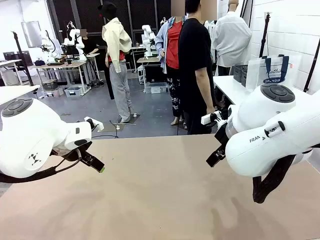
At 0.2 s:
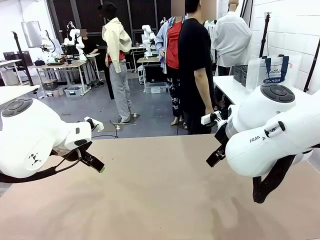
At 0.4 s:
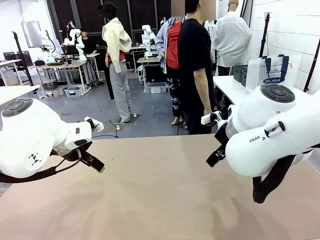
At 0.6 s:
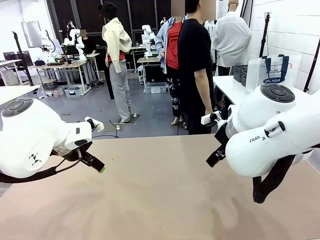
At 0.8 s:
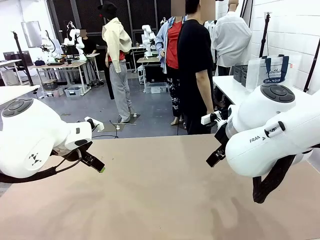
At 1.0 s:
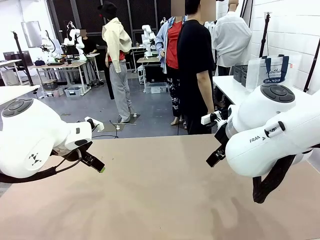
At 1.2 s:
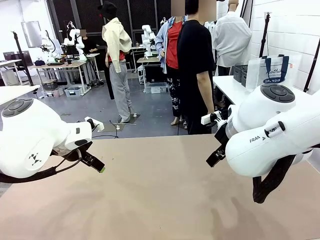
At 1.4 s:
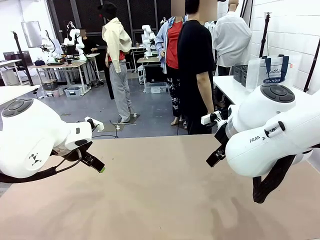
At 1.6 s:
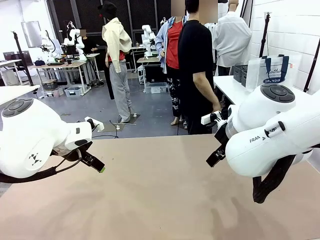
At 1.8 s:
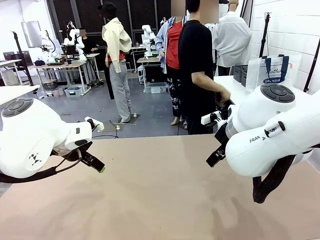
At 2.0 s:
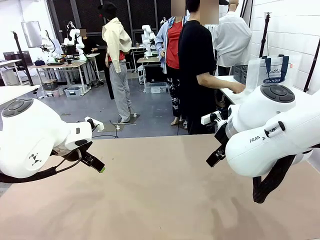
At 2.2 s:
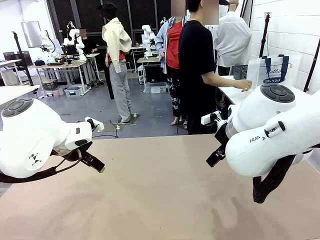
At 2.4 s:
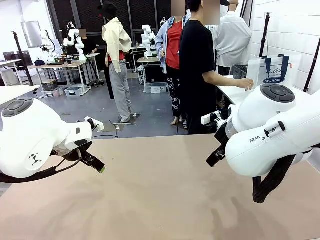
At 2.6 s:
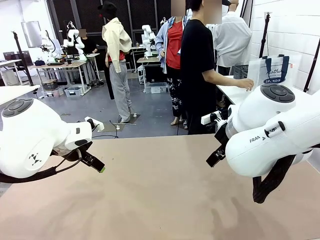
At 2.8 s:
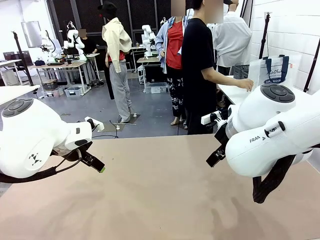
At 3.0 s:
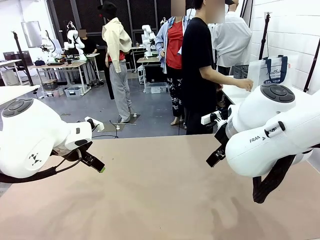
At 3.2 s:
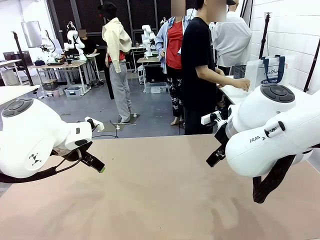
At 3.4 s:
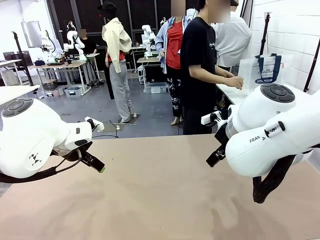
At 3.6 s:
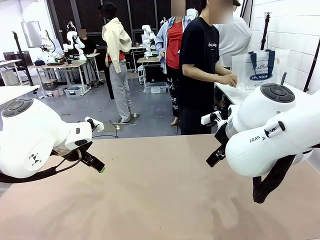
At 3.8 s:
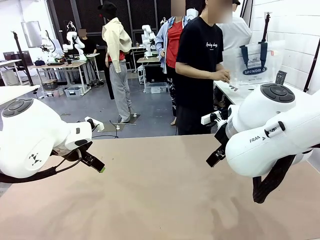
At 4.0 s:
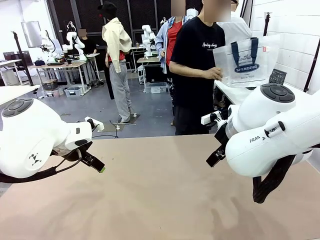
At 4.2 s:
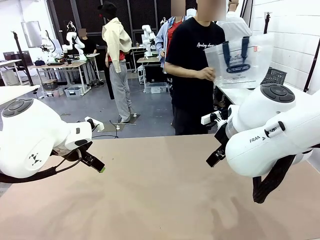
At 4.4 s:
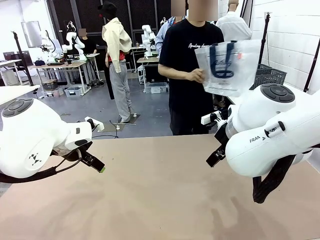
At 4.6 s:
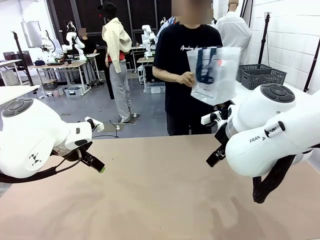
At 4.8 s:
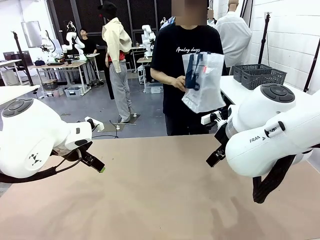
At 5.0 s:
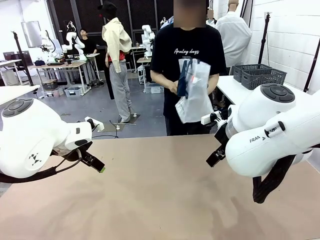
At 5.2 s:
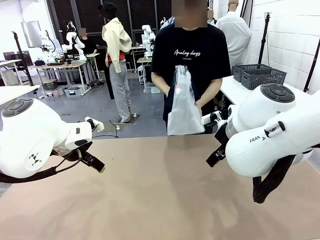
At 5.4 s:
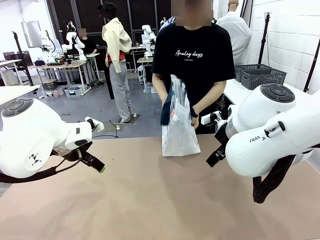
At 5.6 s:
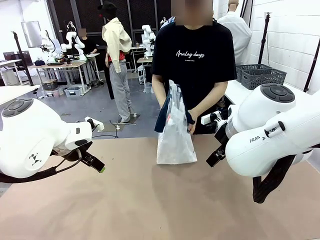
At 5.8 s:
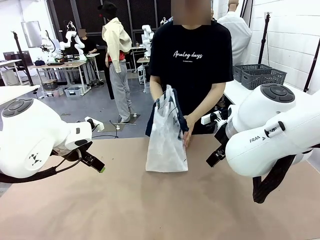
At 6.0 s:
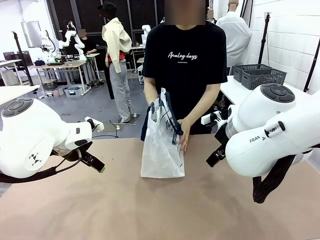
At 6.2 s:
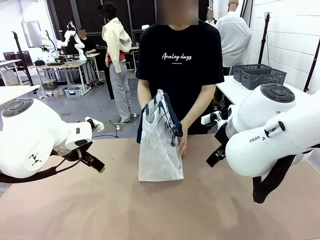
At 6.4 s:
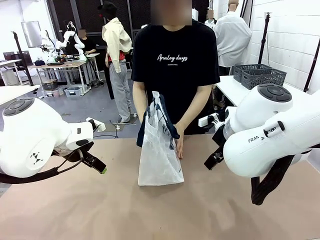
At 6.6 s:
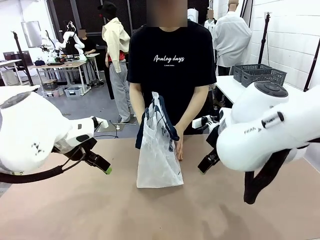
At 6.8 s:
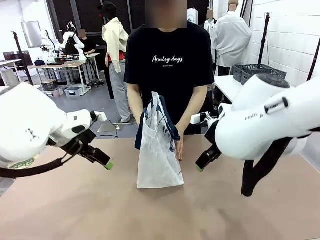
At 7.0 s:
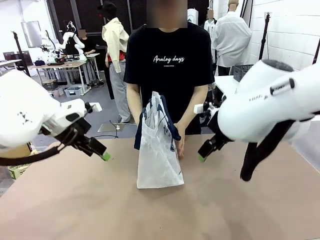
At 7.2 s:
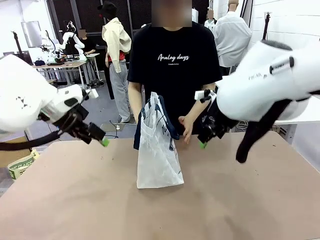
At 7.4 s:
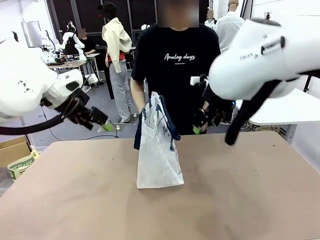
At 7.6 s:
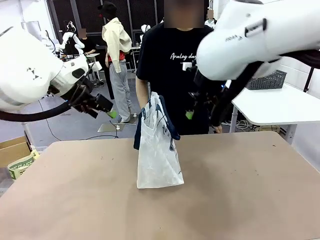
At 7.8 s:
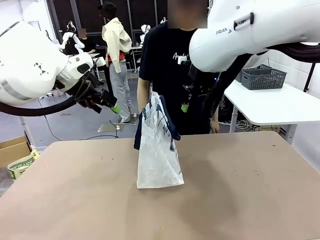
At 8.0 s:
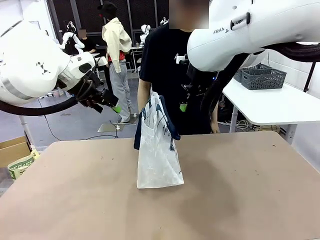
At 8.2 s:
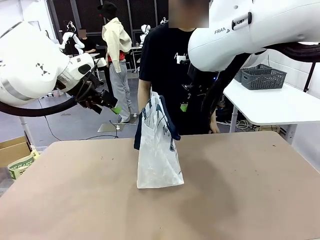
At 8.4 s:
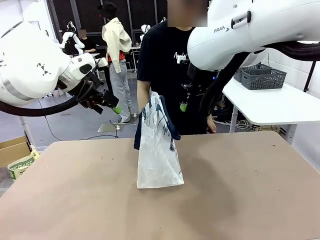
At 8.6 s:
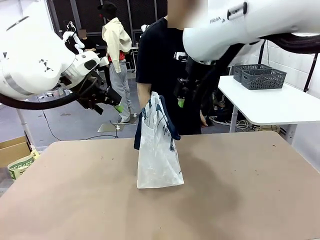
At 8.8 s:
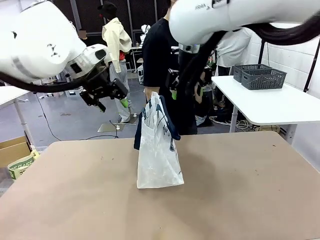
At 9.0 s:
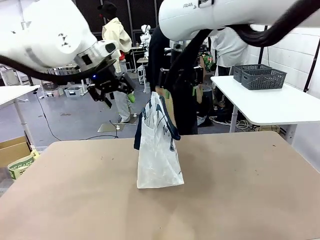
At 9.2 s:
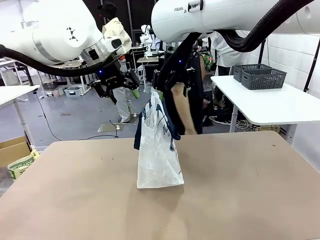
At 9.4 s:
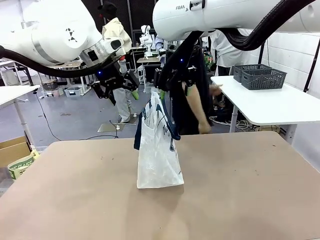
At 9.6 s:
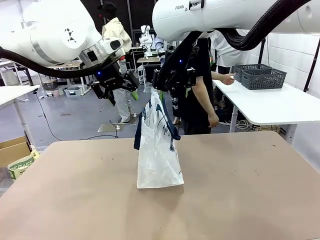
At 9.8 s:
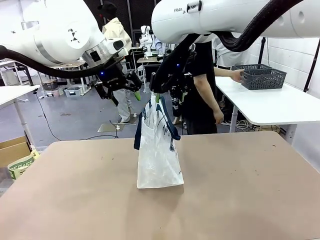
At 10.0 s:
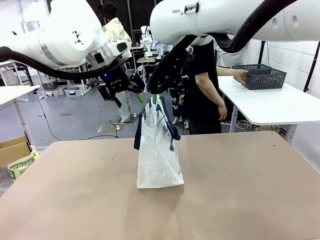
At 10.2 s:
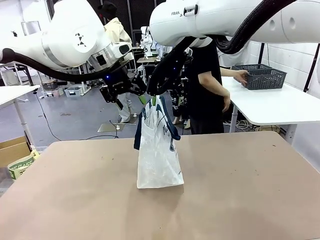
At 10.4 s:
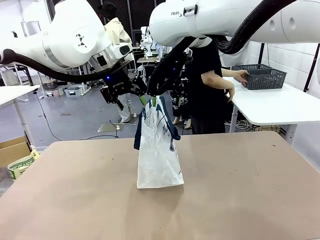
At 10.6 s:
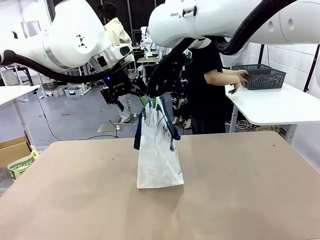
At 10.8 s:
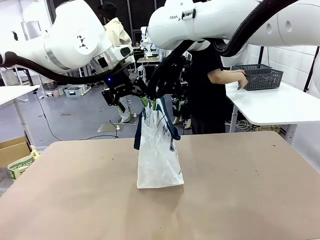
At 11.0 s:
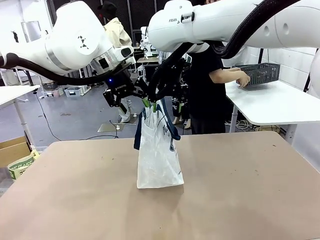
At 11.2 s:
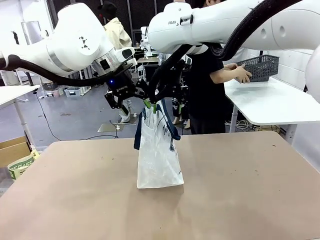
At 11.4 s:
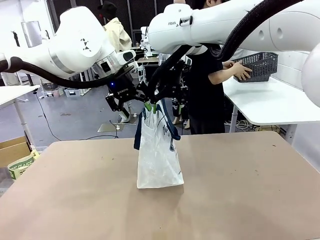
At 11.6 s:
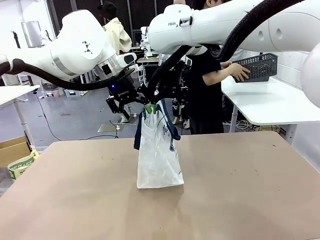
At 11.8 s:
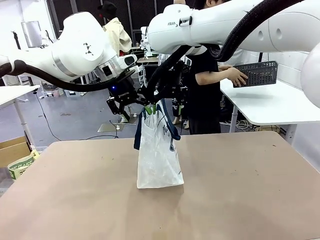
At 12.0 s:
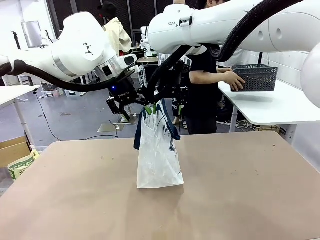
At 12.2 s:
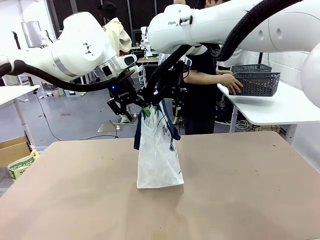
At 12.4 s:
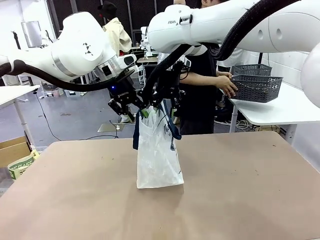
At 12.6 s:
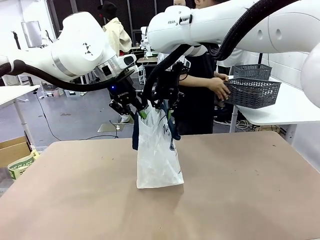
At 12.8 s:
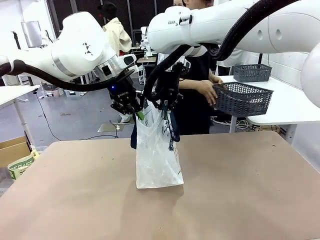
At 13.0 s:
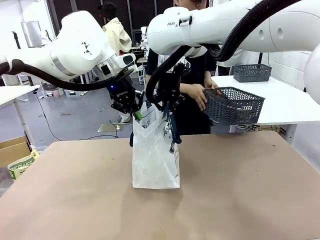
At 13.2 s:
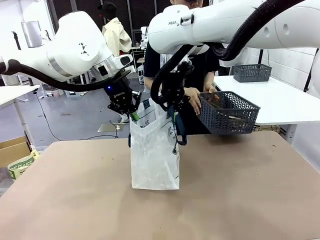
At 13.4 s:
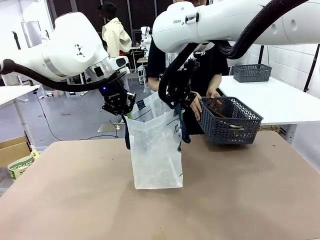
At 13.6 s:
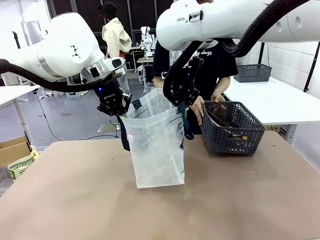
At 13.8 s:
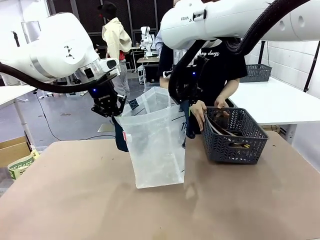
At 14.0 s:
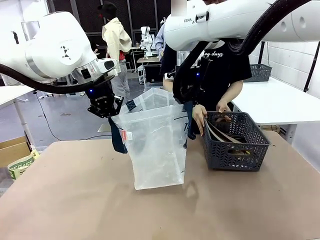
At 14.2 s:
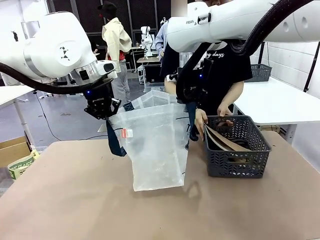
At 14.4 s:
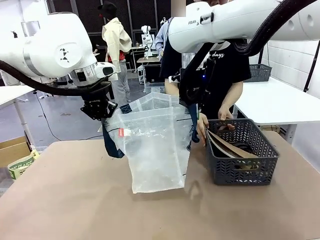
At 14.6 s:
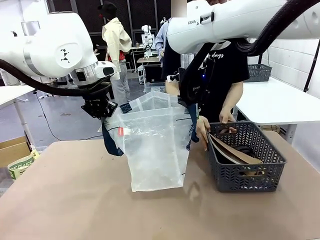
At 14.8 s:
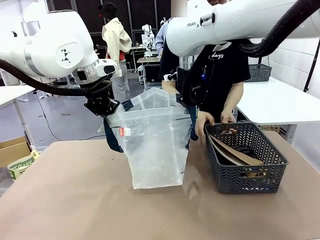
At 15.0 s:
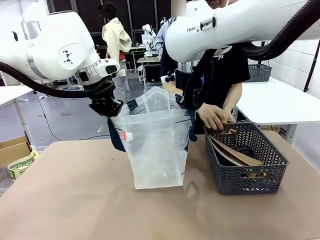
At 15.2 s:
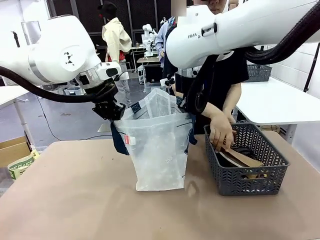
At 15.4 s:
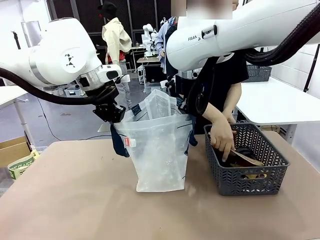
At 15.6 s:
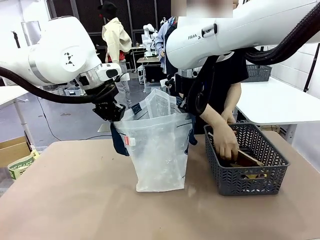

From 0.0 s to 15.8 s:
Task: Transfer purchased items from the store into the shopping bag.
Robot: Open the Reusable shopping bag in the center of the table.
Person: Pick up the shopping bag and place it in the middle of the robot table.
